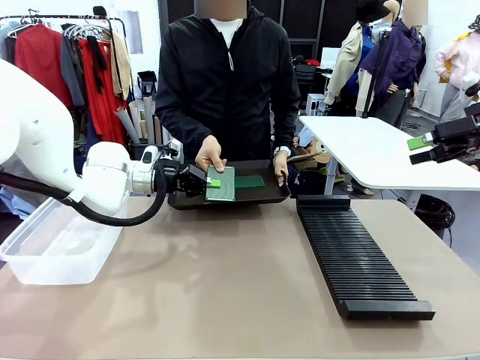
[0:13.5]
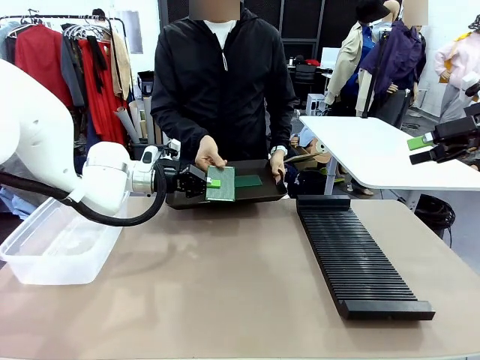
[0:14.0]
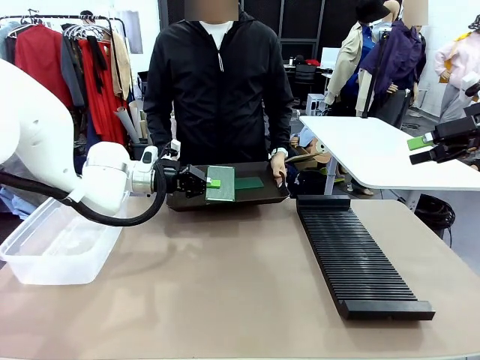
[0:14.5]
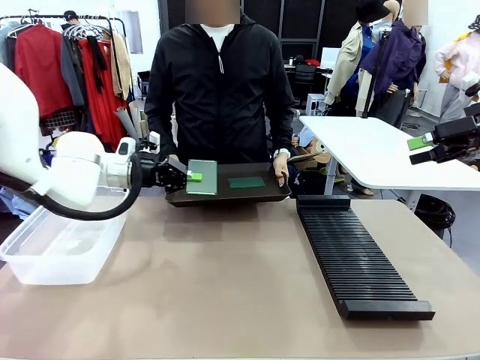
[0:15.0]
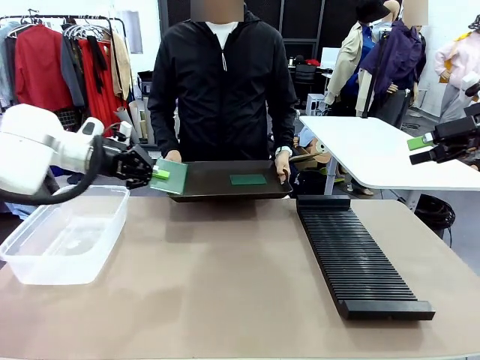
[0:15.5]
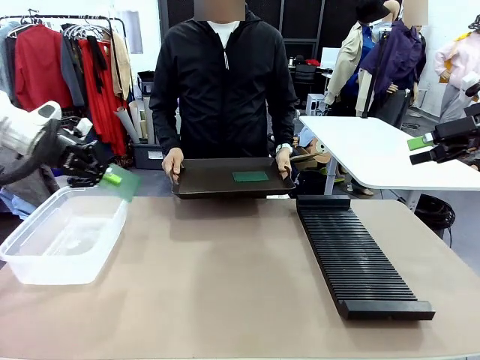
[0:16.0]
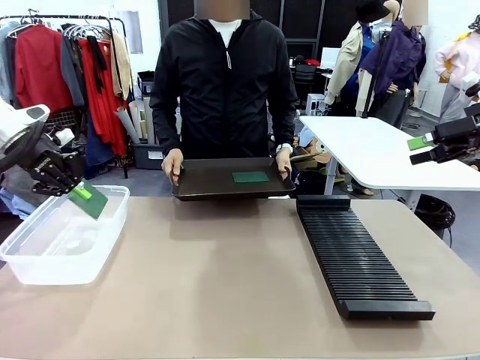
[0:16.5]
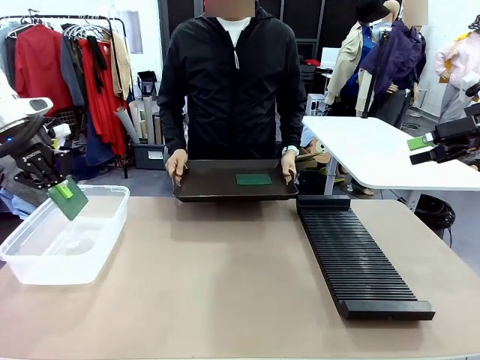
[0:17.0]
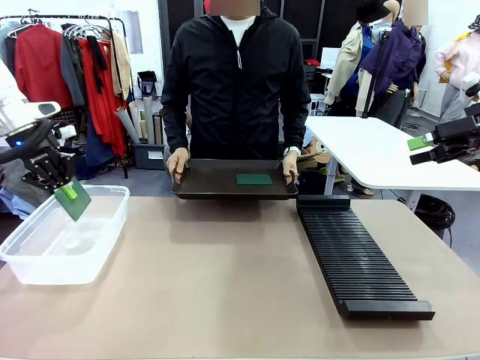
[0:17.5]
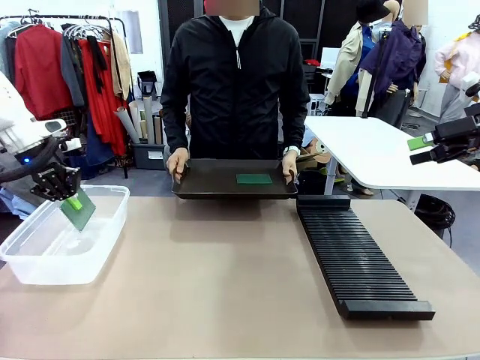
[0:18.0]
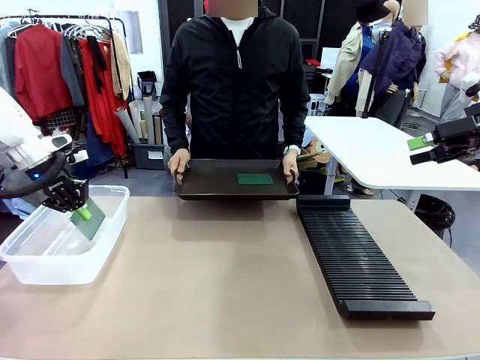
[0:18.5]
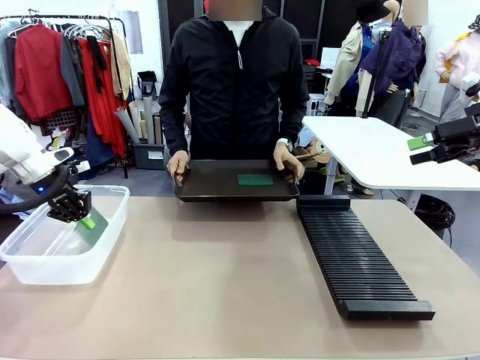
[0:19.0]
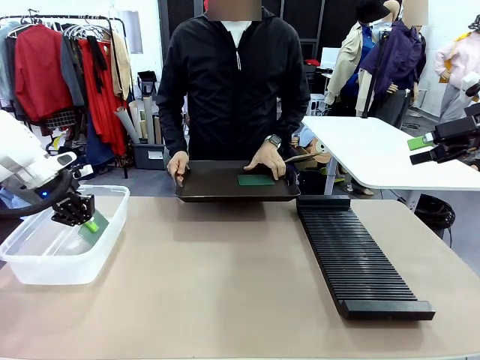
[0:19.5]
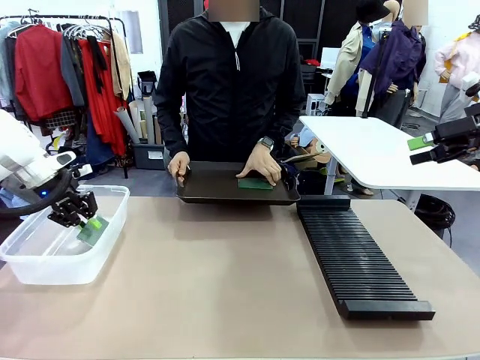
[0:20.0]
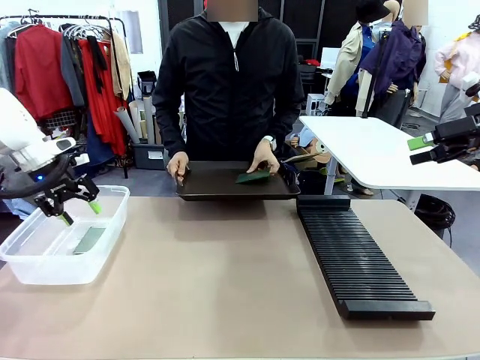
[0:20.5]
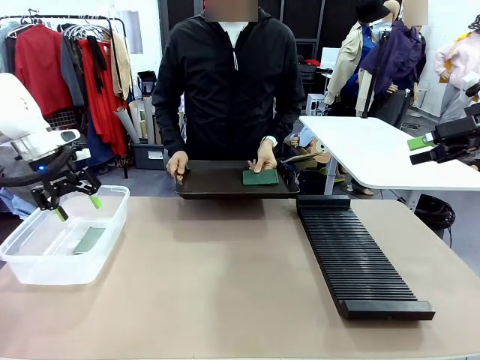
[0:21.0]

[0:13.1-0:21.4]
Task: Sort PCBs into racks and boxes based on the side picked up.
Robot: If the short side of the Blank PCB is picked up, insert it into the PCB Rack ; if the long side is picked up, place it in the Organizing box.
Person: Pick one PCB from the tray and present it to the robot.

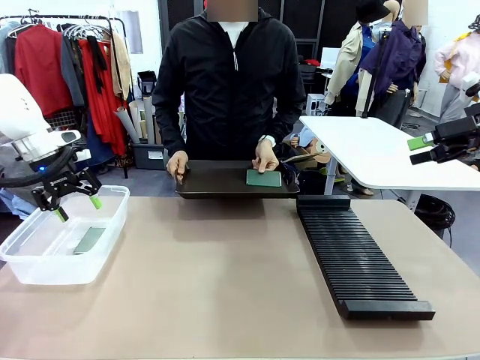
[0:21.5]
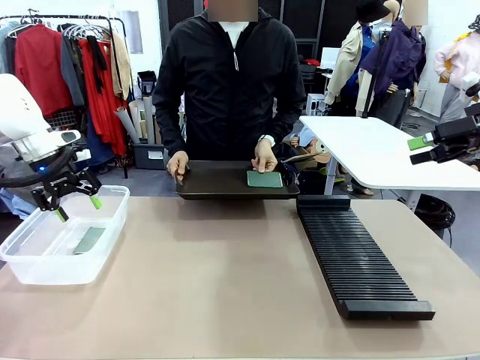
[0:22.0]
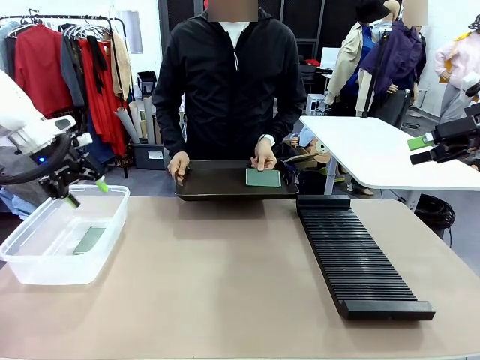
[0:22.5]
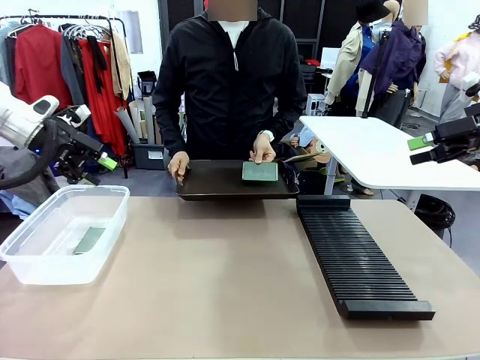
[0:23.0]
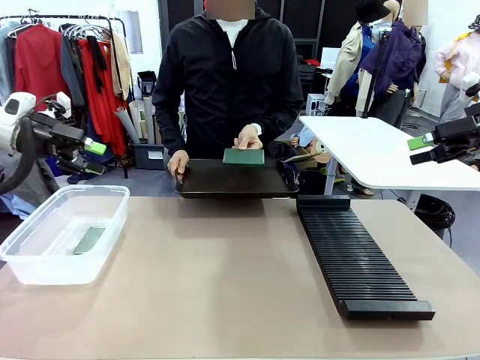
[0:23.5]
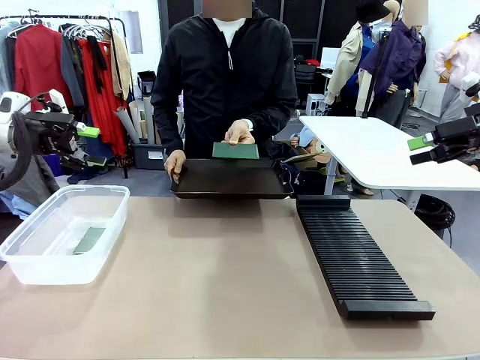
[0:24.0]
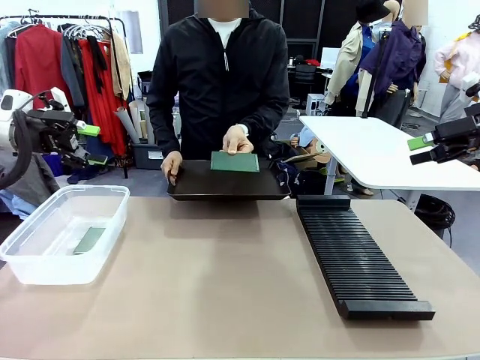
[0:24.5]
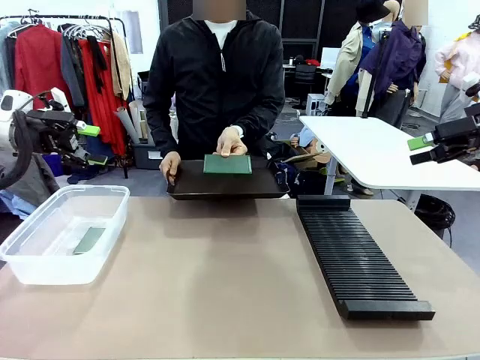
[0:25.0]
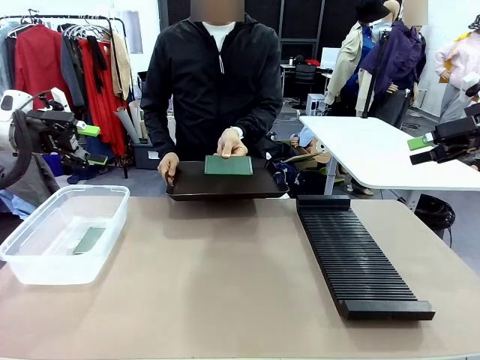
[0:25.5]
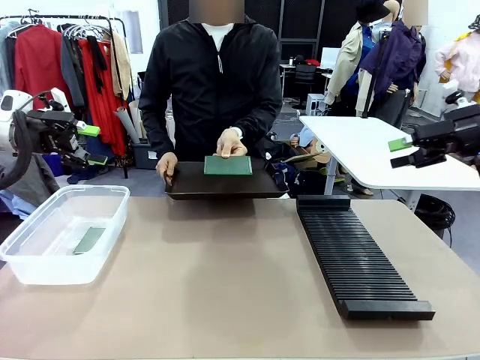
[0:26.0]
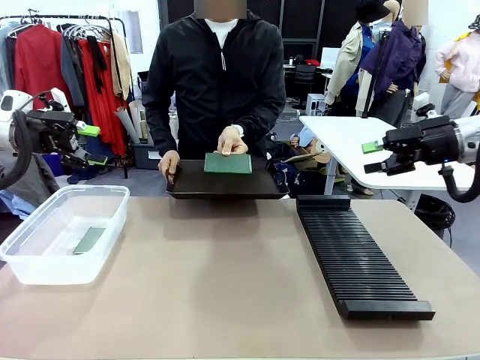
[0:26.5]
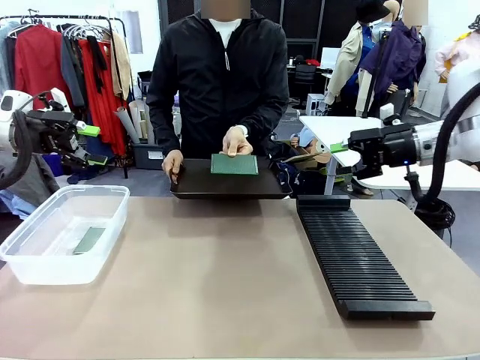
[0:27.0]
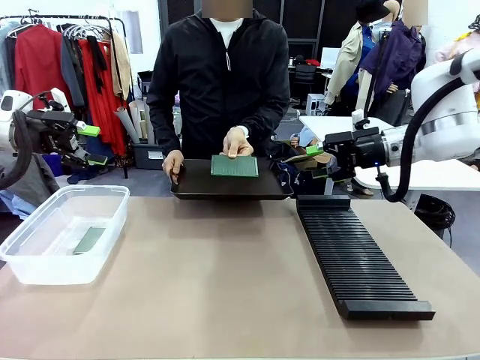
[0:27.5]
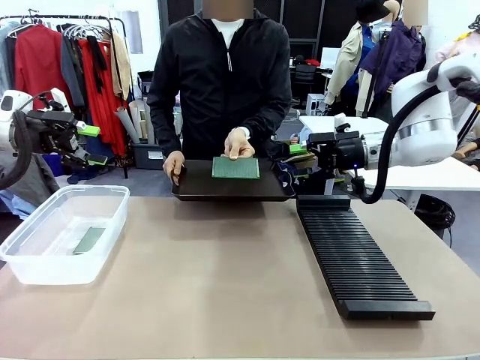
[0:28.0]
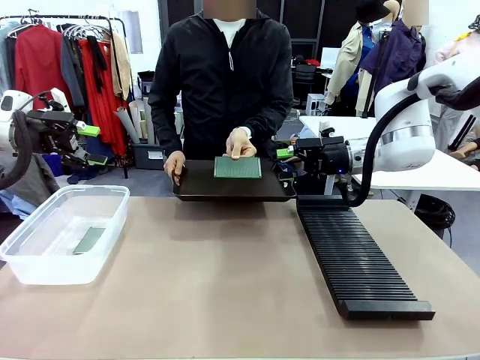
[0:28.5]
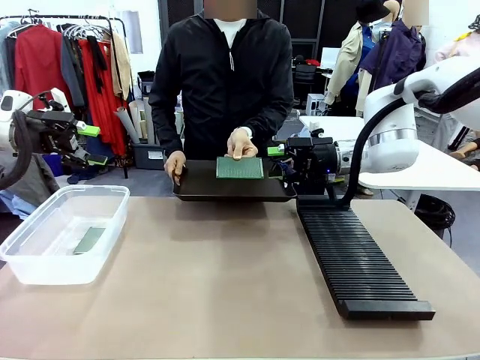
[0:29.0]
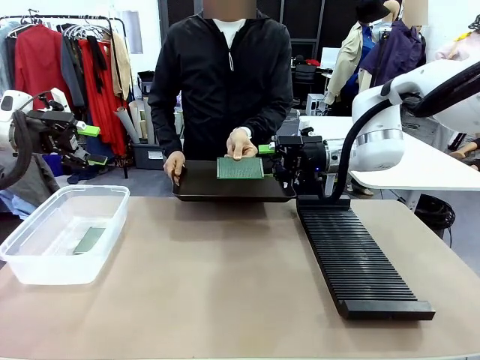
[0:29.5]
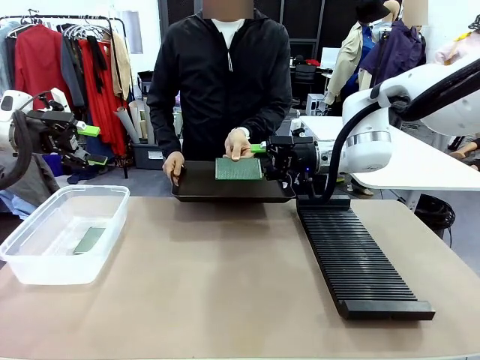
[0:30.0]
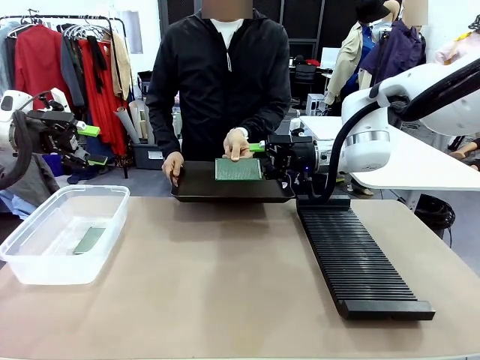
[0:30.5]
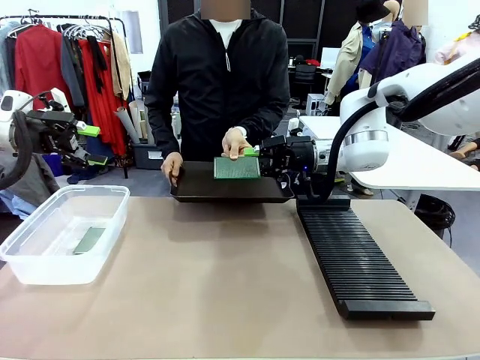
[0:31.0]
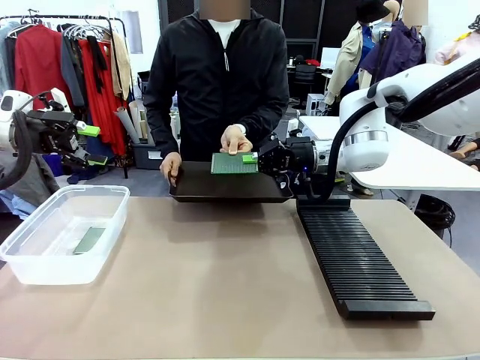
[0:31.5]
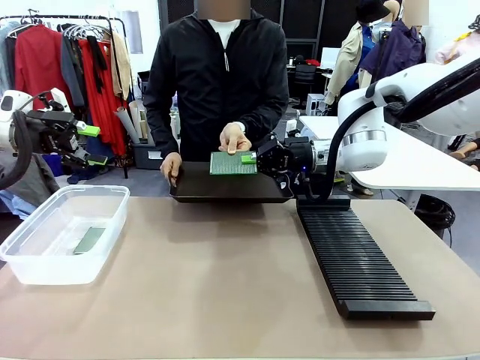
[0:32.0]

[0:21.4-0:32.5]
Robot: Pick up the Blank PCB handed by the Human.

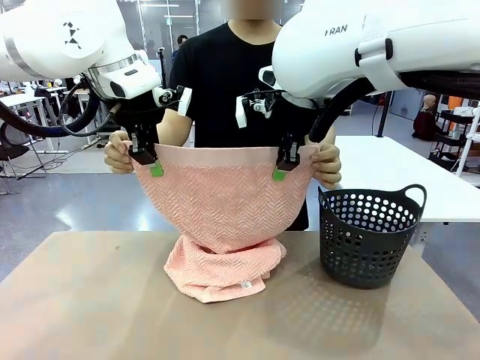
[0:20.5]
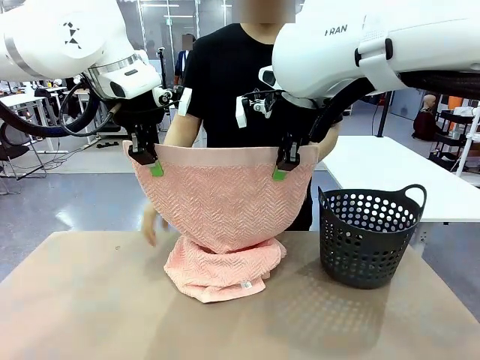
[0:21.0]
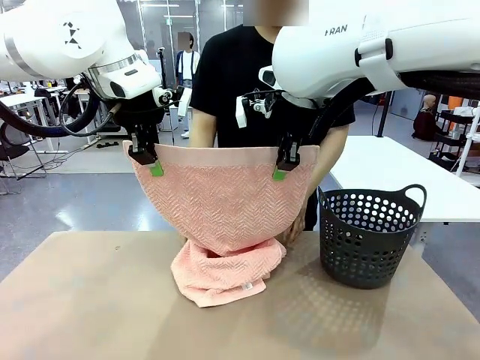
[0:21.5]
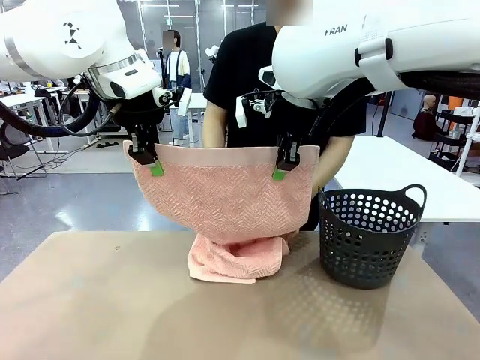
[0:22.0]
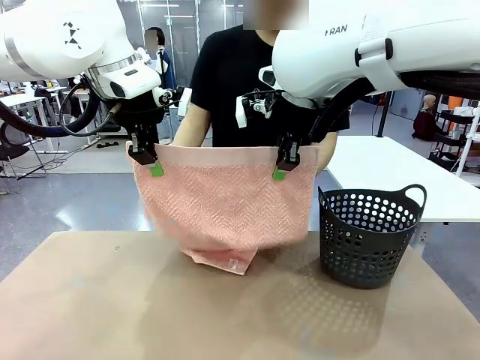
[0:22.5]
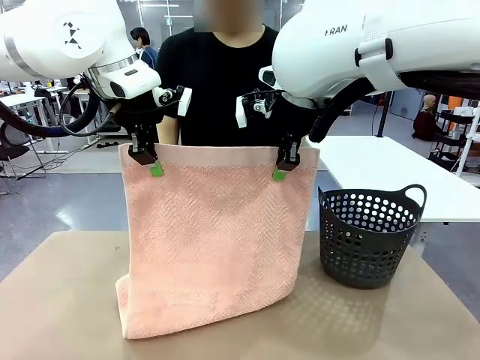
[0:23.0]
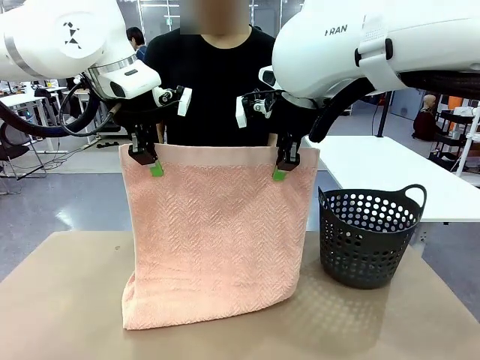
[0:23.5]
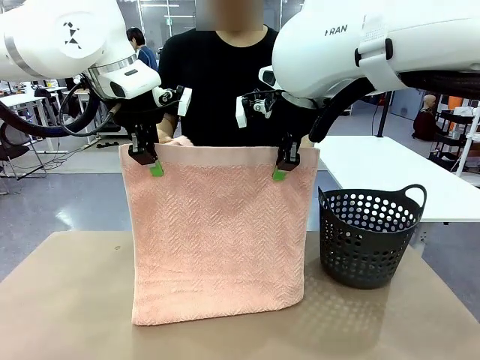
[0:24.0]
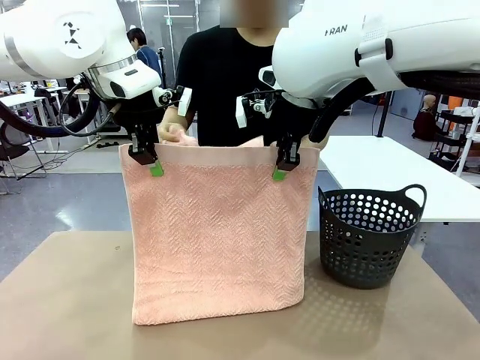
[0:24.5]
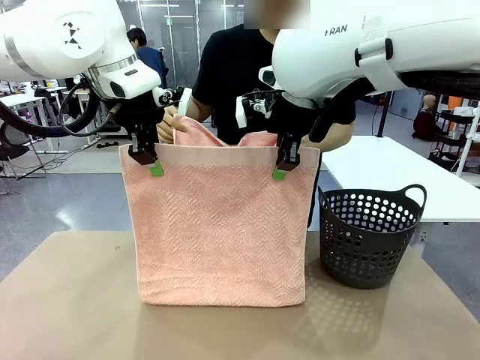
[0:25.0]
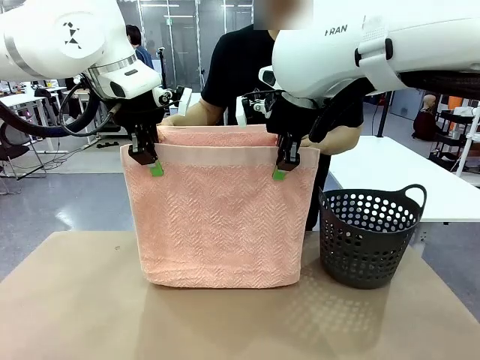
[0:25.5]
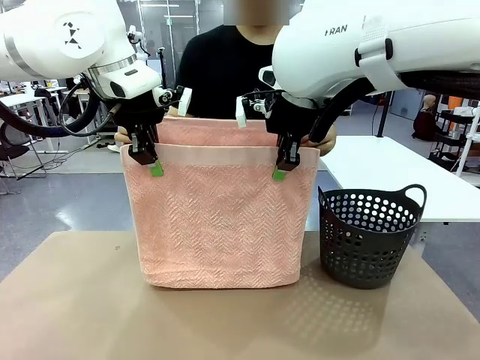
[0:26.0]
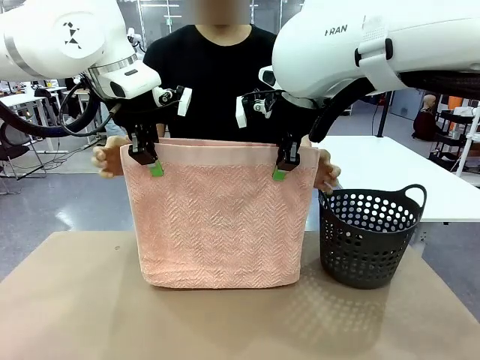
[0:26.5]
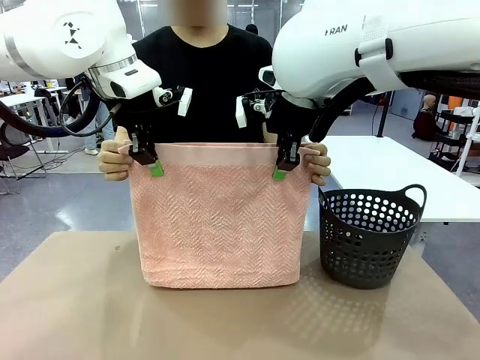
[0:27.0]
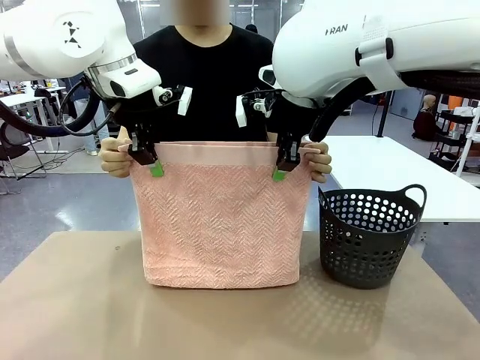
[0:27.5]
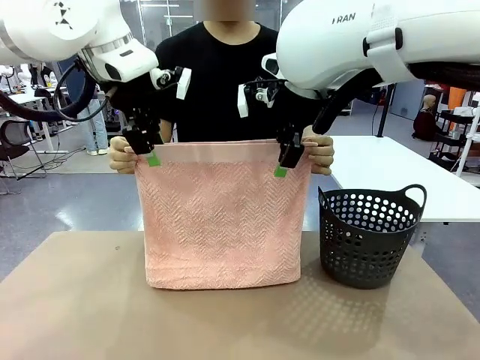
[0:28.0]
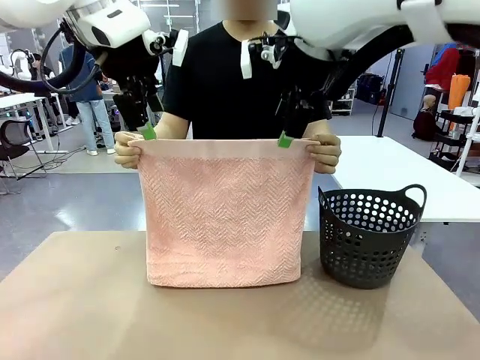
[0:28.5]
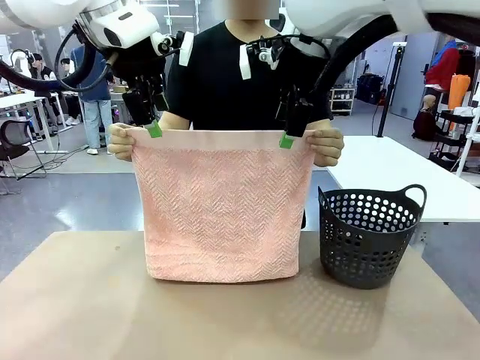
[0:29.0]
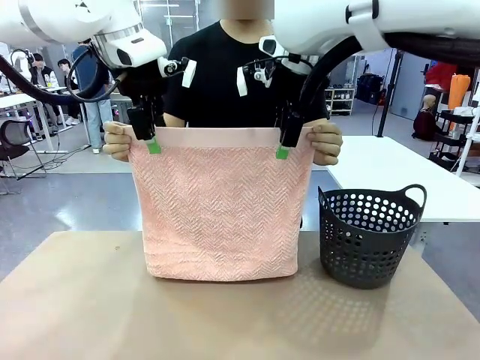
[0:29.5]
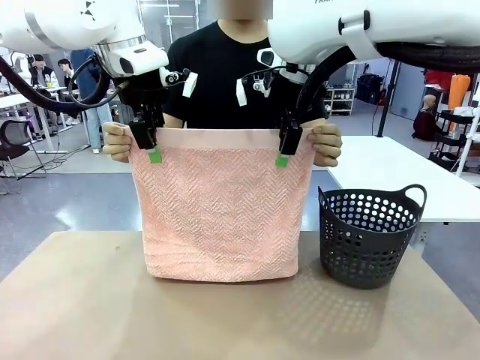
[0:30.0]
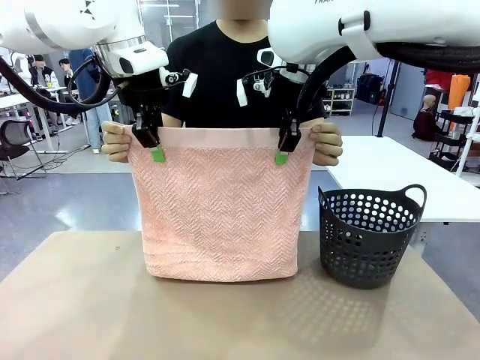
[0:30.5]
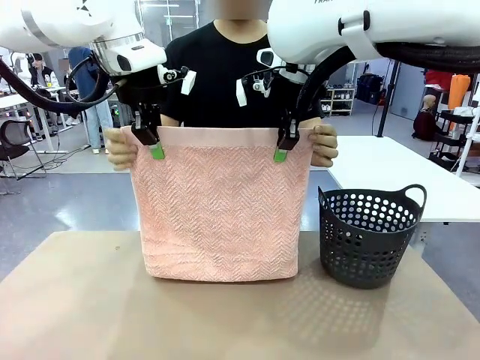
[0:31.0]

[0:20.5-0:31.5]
Task: Fold the towel.
Robot: Release the end of the 100 cm Hotel Towel you were holding and grab the top end of the folded side.
